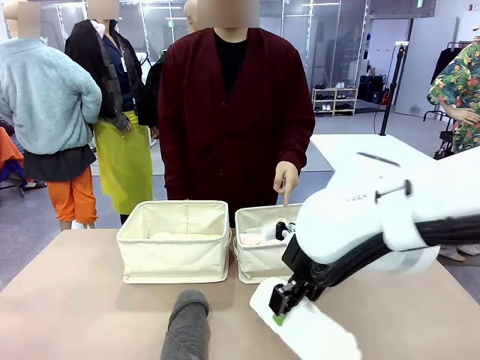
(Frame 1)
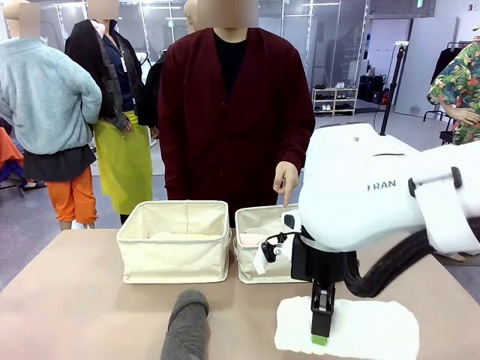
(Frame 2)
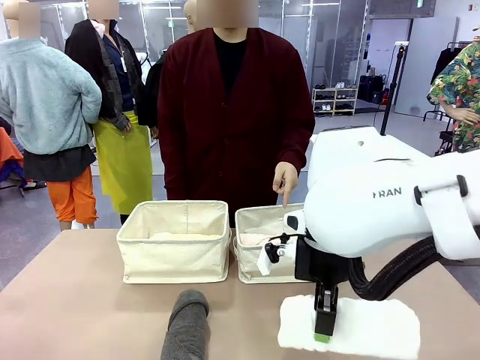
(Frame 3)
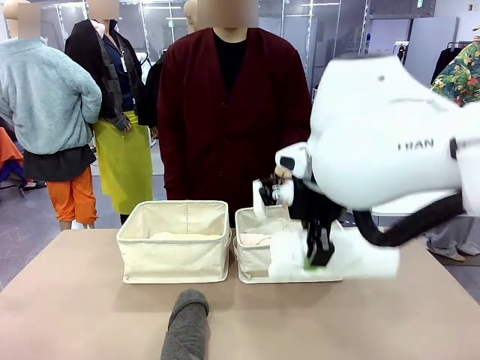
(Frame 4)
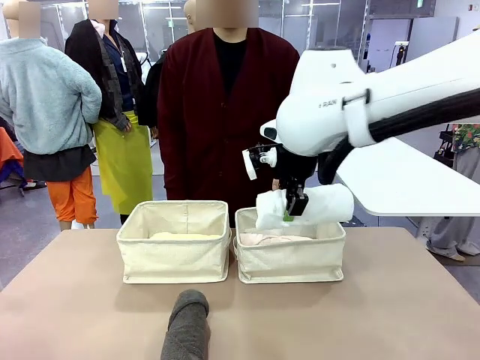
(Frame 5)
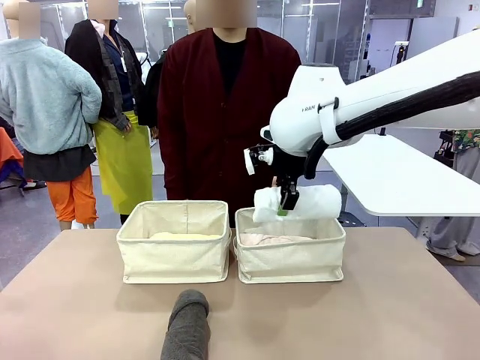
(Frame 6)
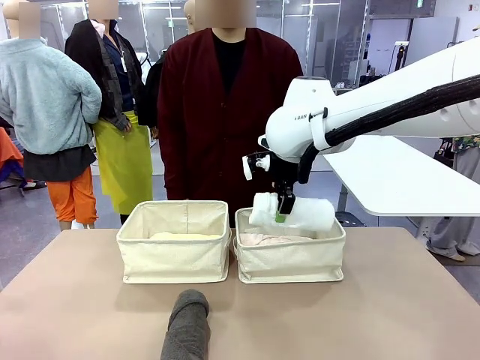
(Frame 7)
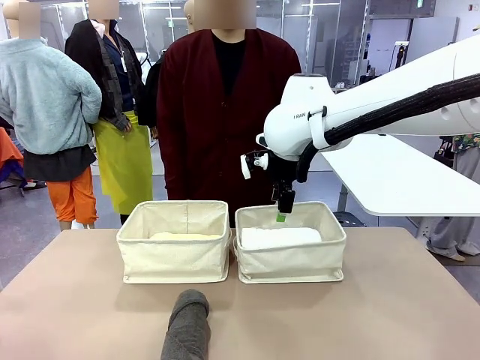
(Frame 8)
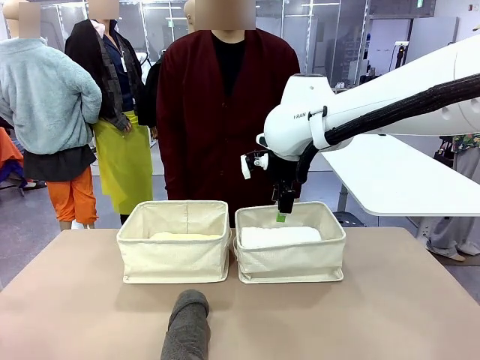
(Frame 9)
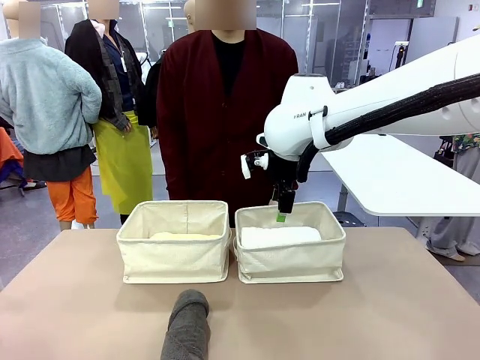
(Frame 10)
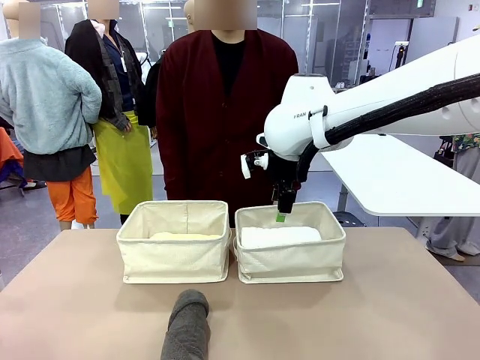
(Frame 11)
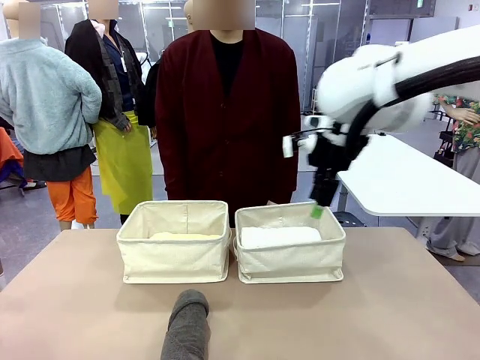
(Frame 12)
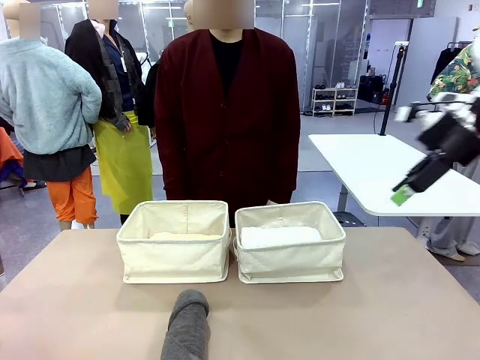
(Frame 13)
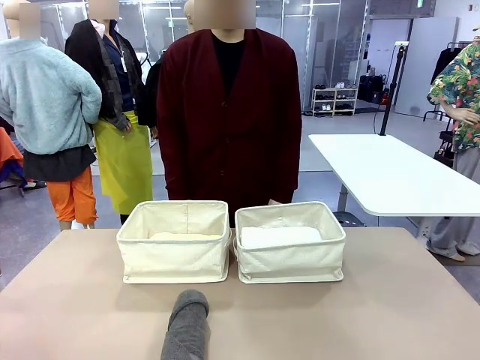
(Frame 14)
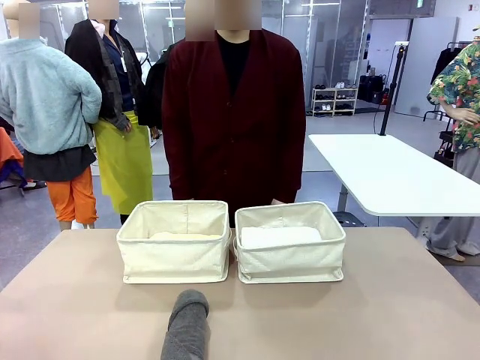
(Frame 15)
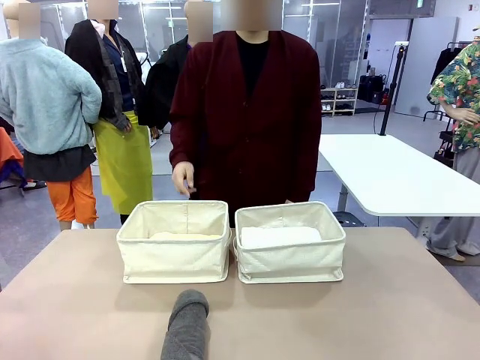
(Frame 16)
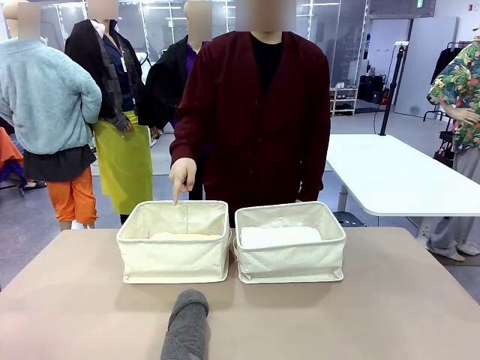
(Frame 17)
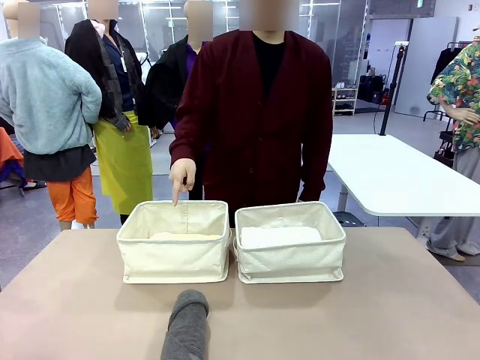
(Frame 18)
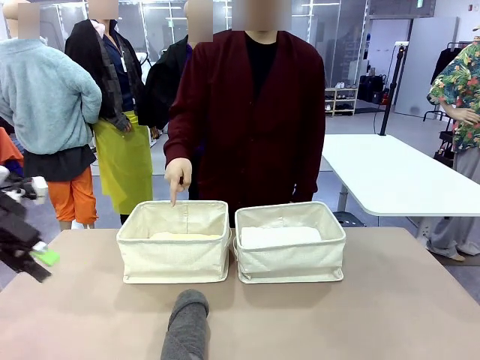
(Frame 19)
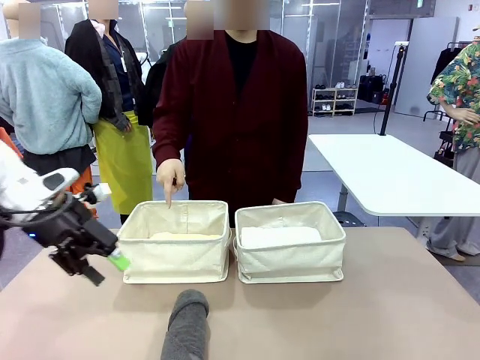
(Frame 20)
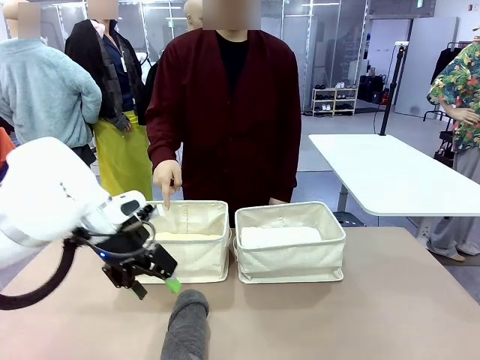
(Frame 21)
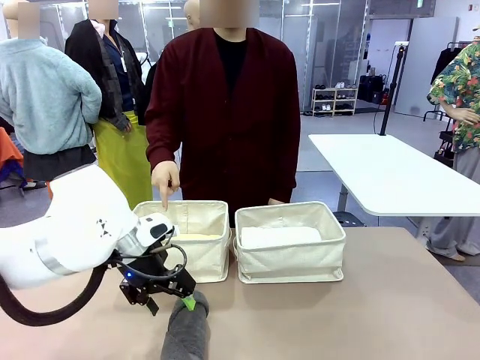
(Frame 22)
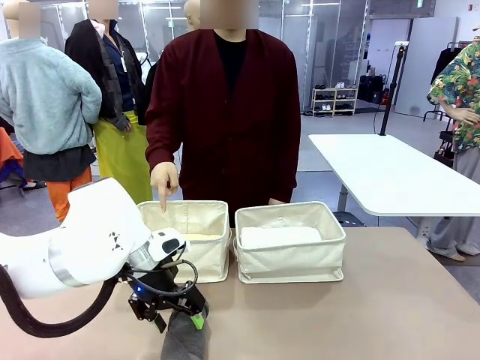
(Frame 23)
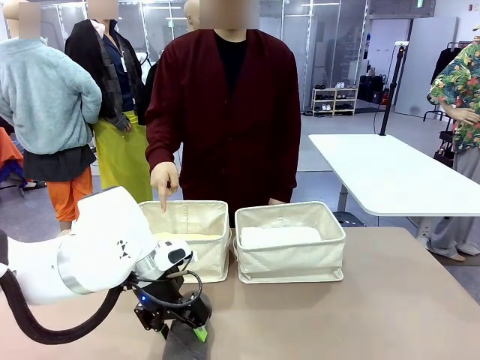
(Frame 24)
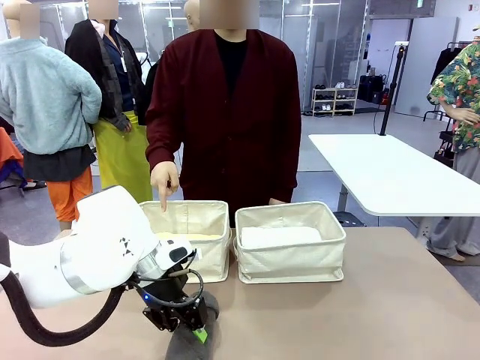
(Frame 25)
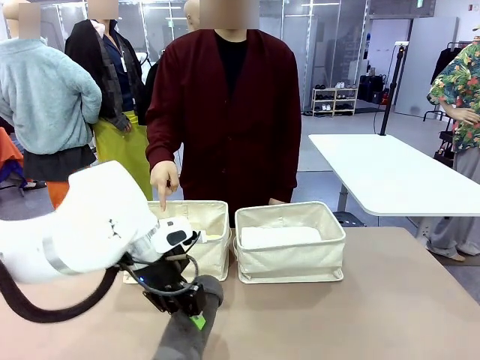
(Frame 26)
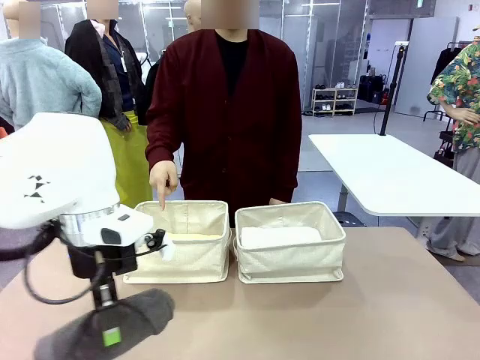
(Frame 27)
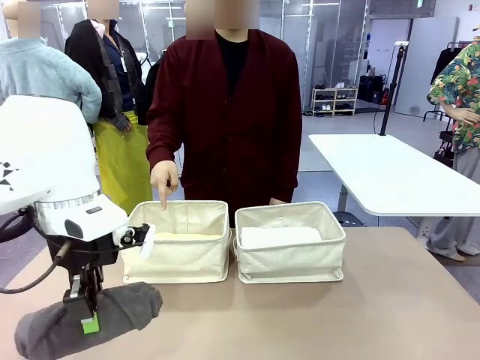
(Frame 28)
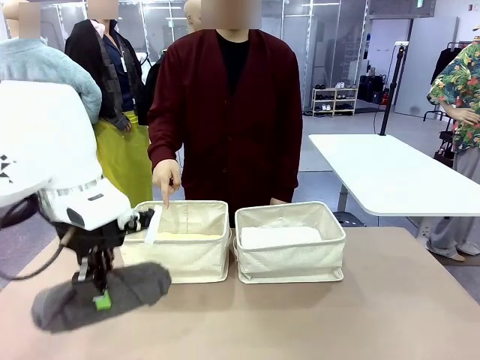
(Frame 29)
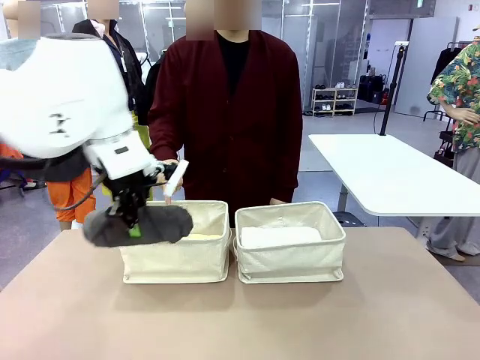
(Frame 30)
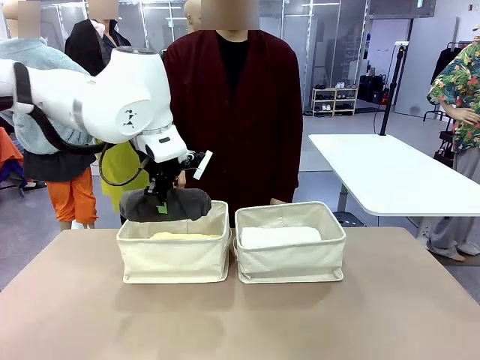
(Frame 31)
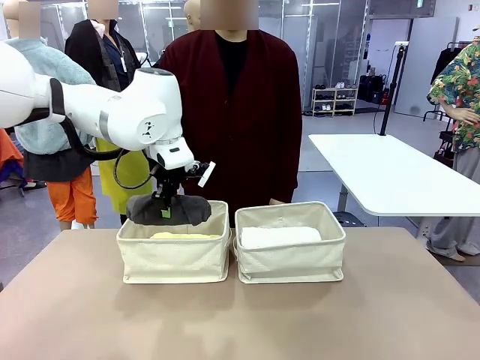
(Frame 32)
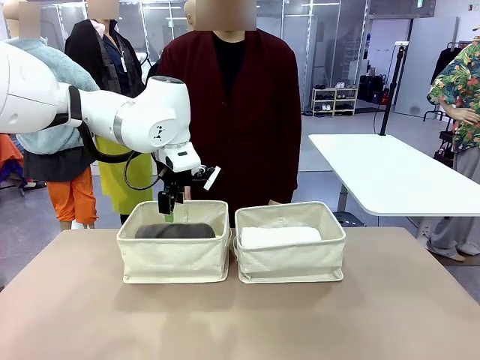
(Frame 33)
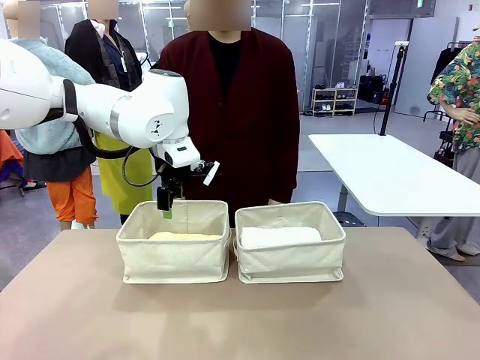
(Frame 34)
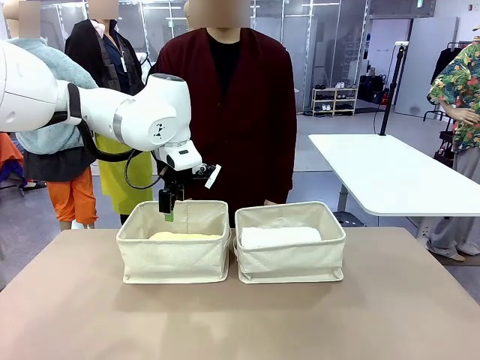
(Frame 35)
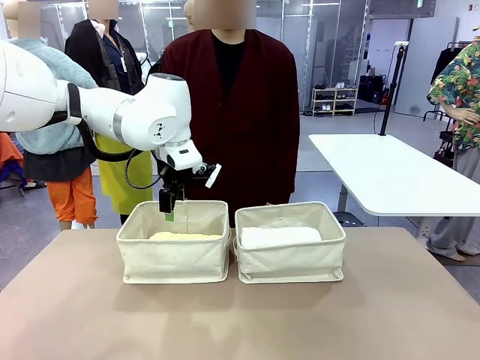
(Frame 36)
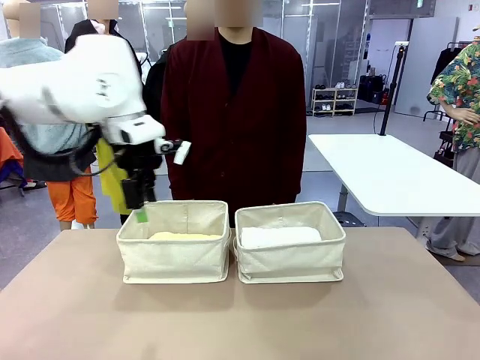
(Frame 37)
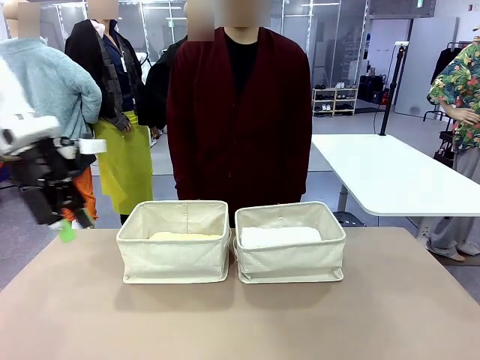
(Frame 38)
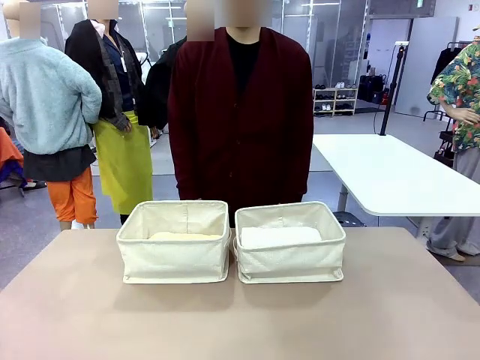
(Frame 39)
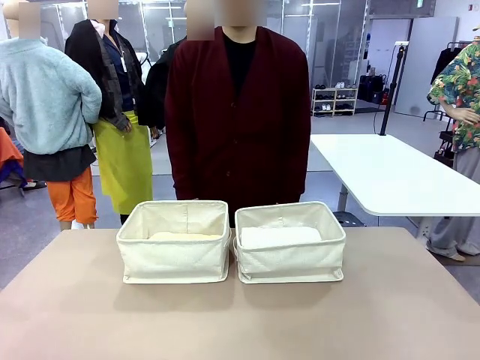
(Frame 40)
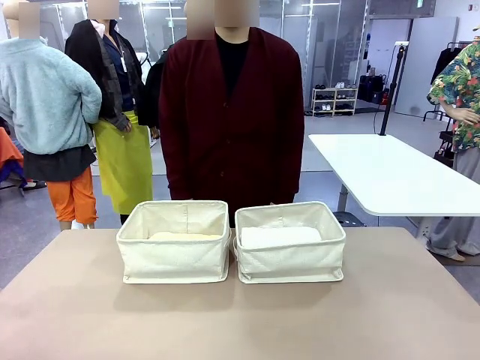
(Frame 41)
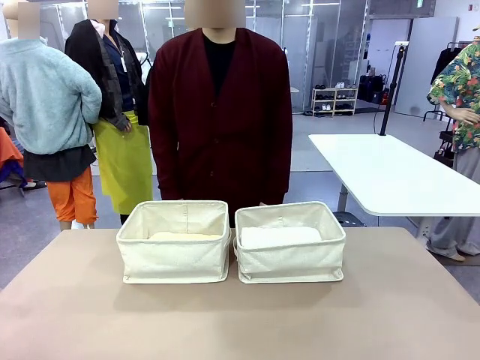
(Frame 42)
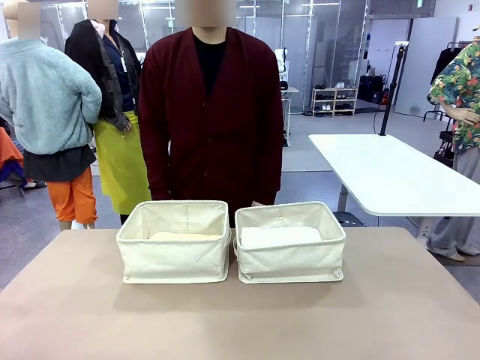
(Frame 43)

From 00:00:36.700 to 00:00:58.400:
Task: Divide the towels into two baskets.
Robot: Pick up one hotel-folded towel from the bottom of the table and place it in the Fabric basket indicated by the person.

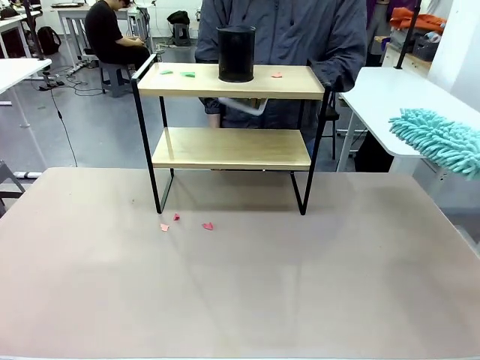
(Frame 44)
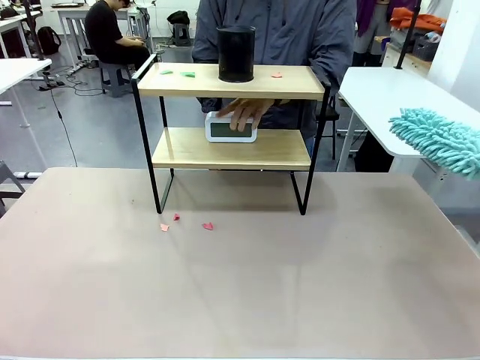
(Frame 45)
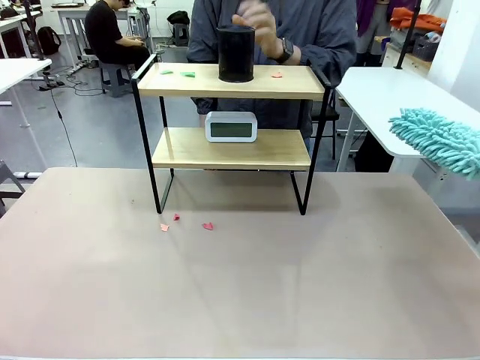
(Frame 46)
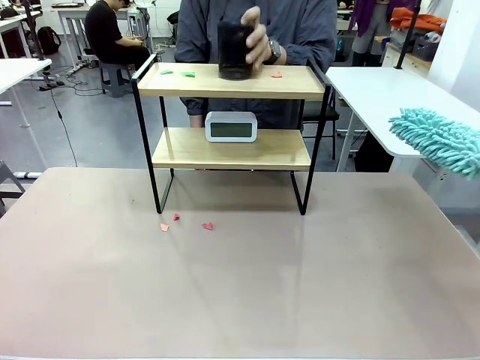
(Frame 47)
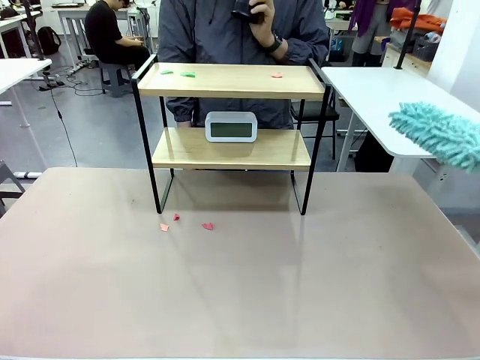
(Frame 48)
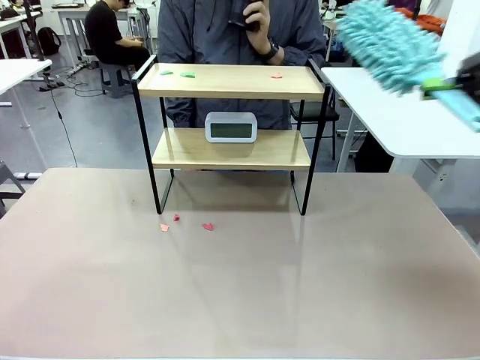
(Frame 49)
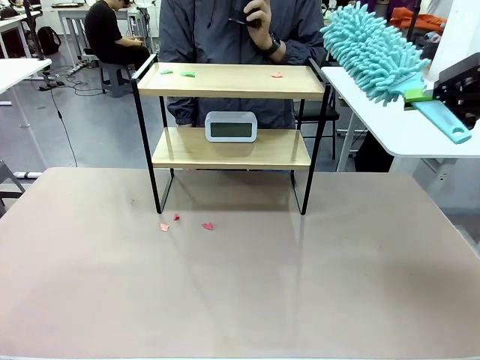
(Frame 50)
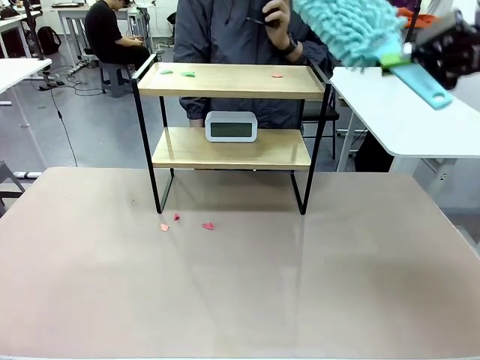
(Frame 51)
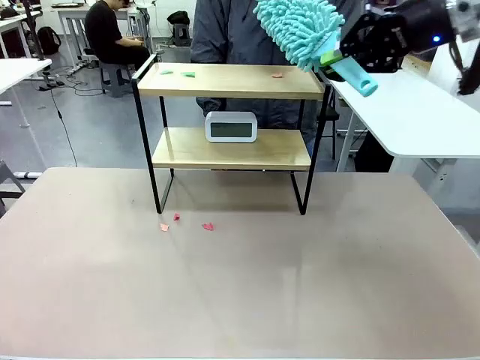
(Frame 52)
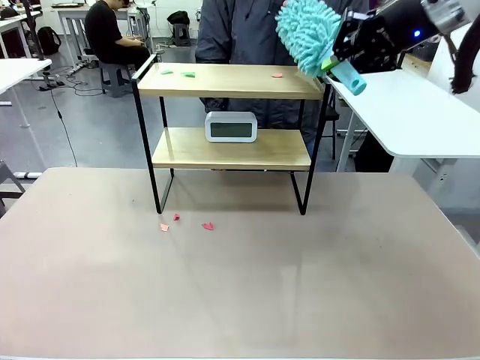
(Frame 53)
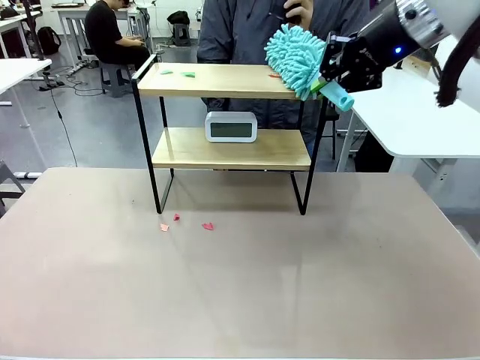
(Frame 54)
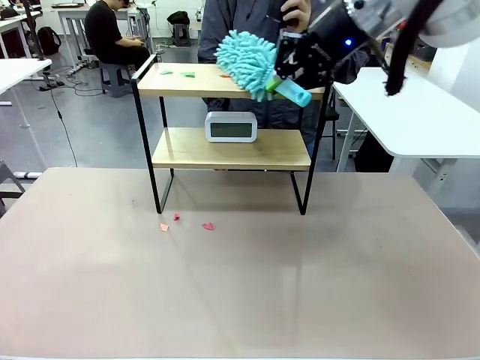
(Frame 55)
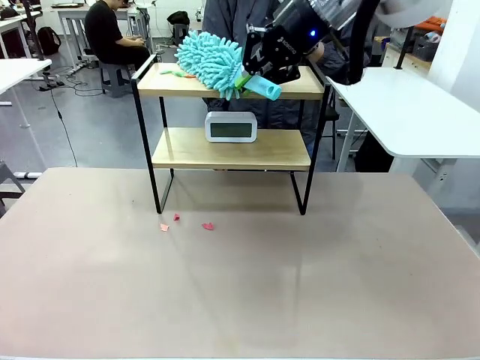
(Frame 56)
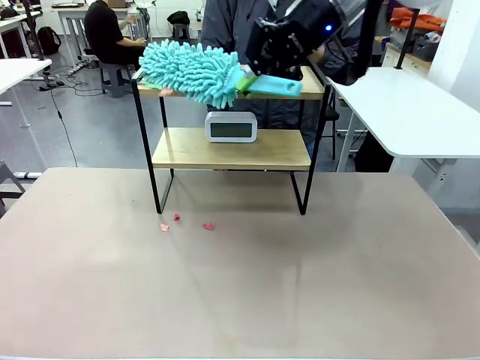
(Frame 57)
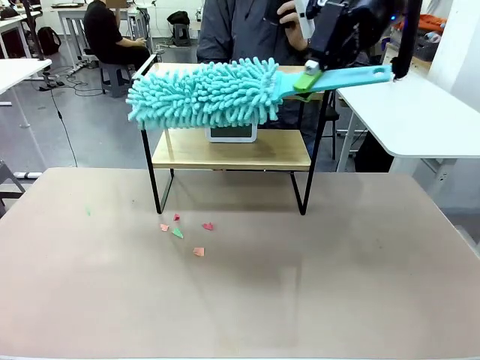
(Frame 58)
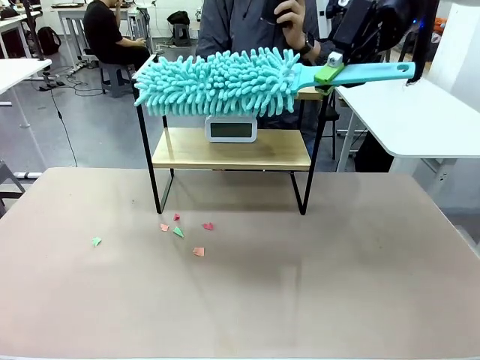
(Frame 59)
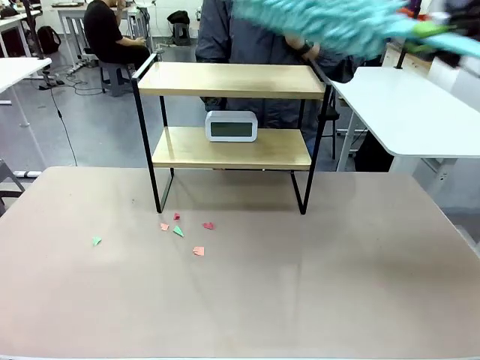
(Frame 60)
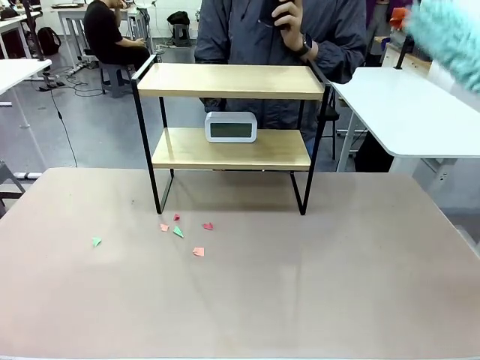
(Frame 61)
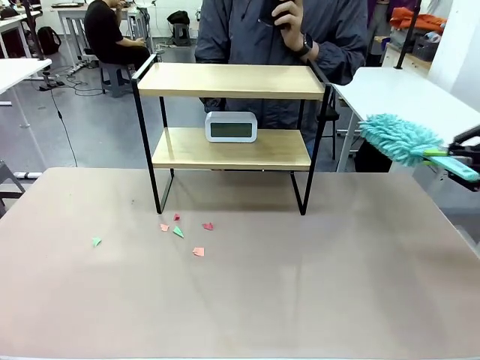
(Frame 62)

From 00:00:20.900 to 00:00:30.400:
Task: Clean the shelf.
Robot: Clean the remaining tier of the Shelf with the Duster once objects are removed.
